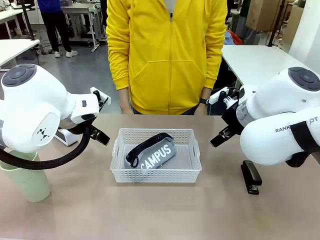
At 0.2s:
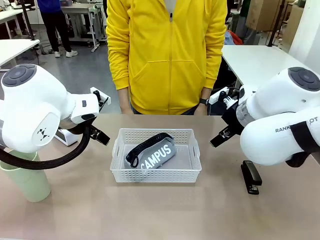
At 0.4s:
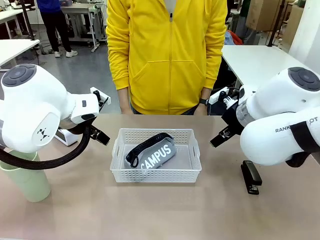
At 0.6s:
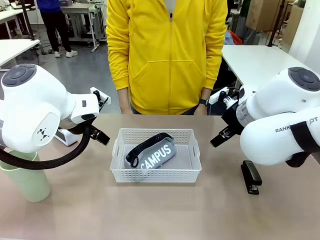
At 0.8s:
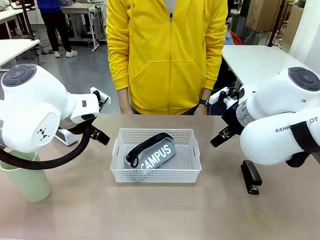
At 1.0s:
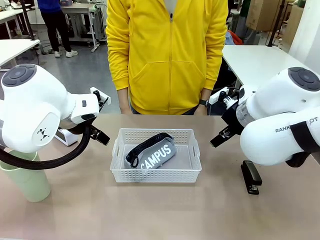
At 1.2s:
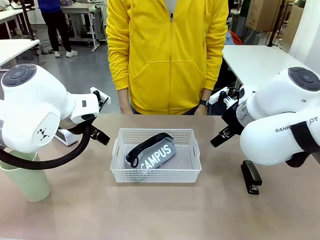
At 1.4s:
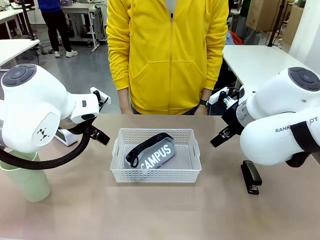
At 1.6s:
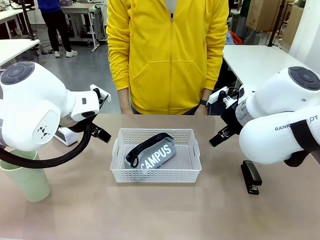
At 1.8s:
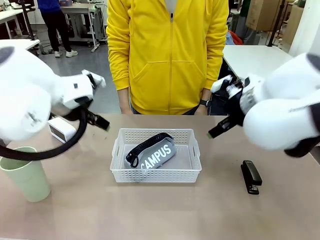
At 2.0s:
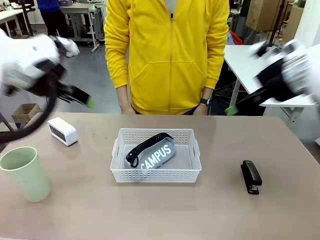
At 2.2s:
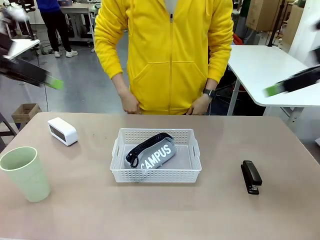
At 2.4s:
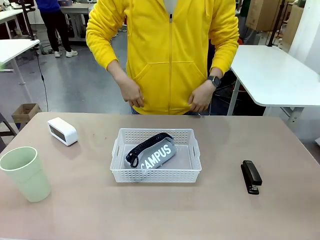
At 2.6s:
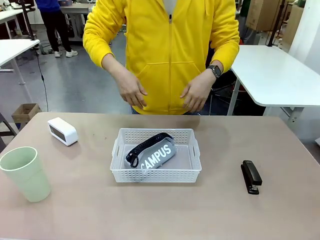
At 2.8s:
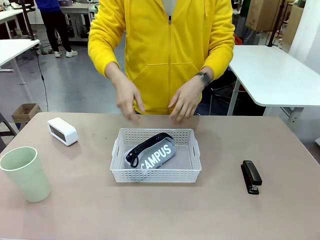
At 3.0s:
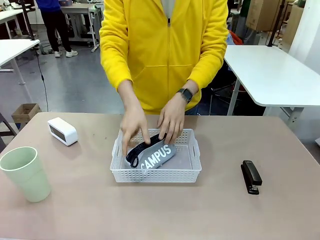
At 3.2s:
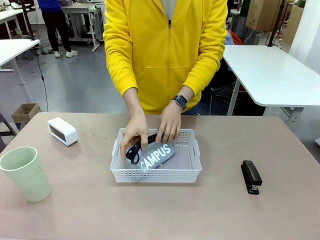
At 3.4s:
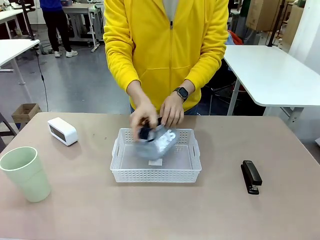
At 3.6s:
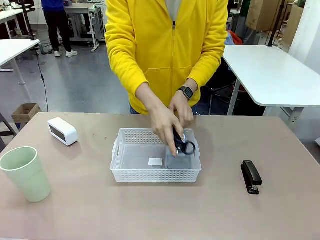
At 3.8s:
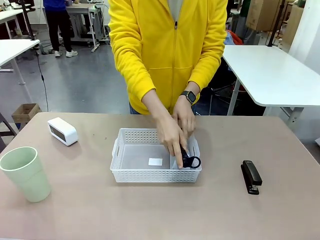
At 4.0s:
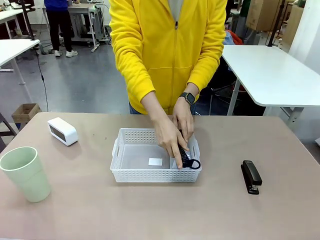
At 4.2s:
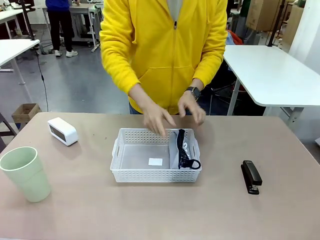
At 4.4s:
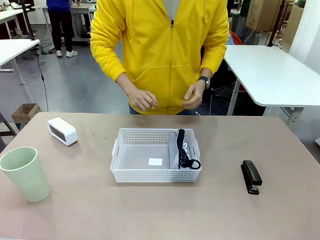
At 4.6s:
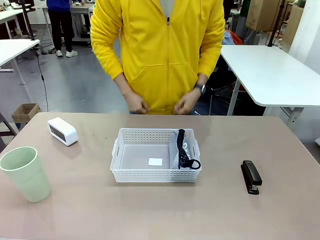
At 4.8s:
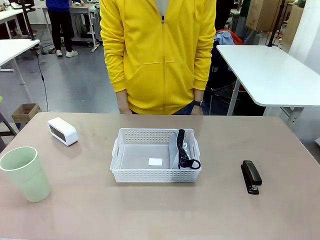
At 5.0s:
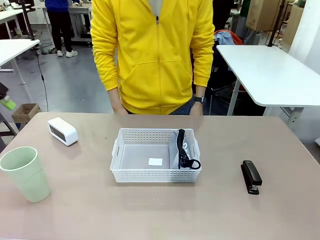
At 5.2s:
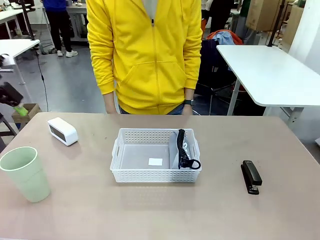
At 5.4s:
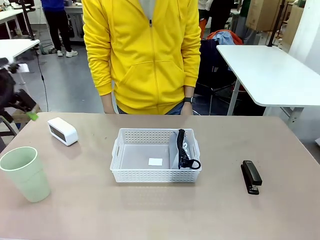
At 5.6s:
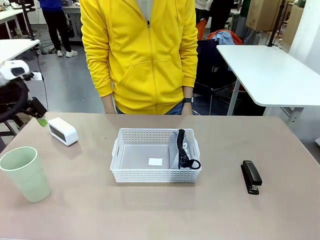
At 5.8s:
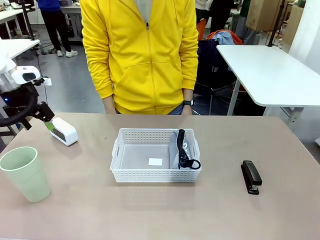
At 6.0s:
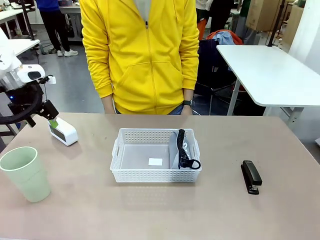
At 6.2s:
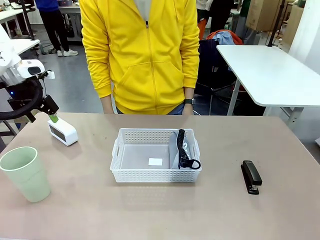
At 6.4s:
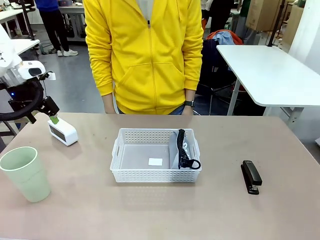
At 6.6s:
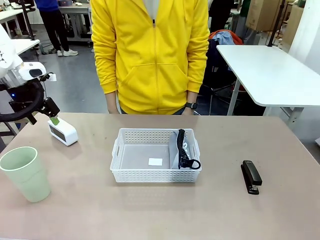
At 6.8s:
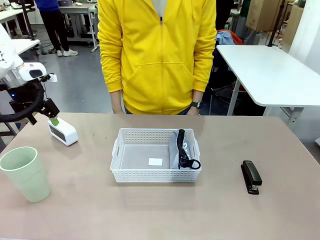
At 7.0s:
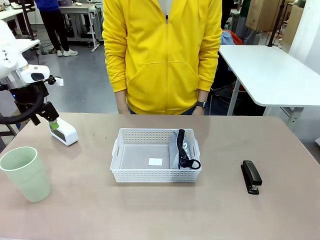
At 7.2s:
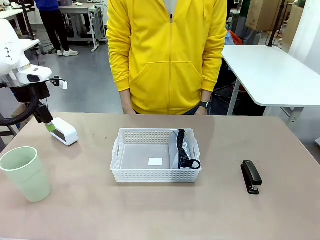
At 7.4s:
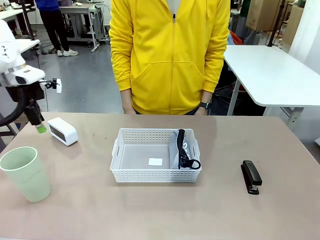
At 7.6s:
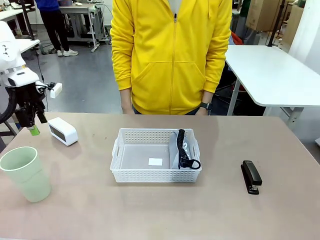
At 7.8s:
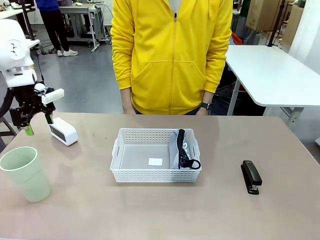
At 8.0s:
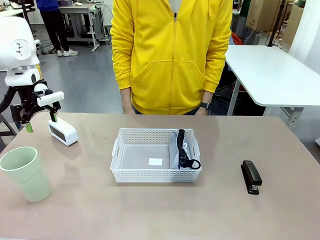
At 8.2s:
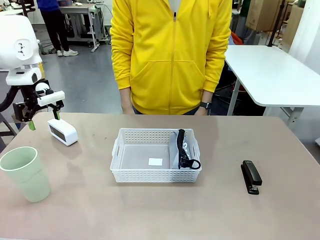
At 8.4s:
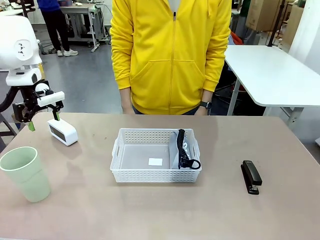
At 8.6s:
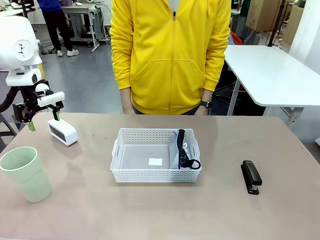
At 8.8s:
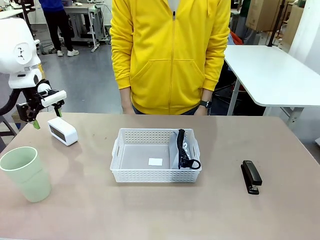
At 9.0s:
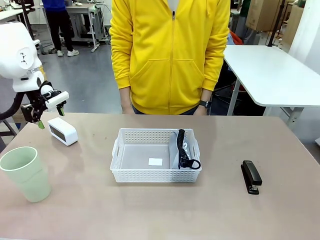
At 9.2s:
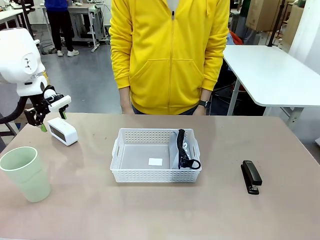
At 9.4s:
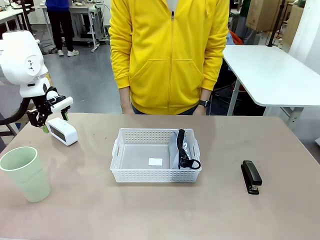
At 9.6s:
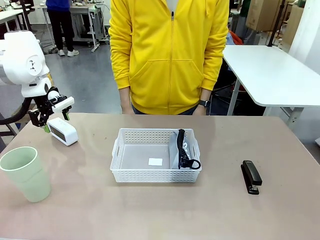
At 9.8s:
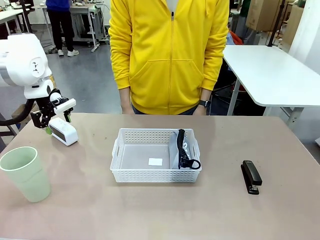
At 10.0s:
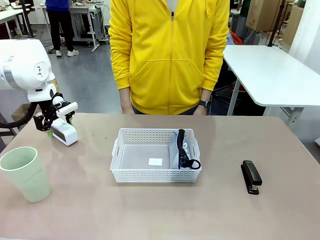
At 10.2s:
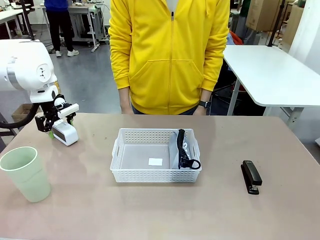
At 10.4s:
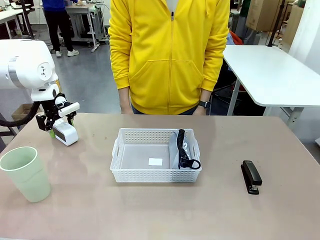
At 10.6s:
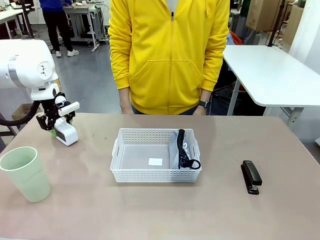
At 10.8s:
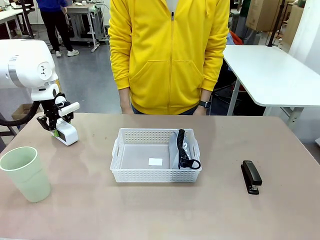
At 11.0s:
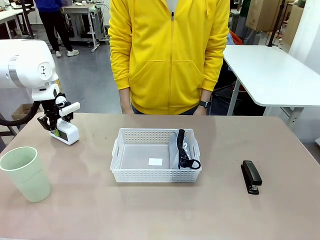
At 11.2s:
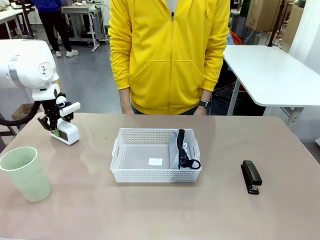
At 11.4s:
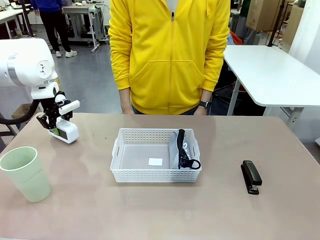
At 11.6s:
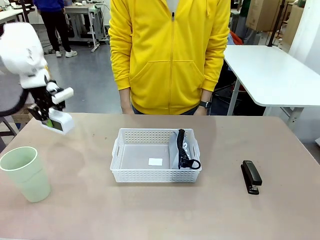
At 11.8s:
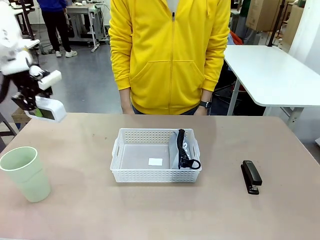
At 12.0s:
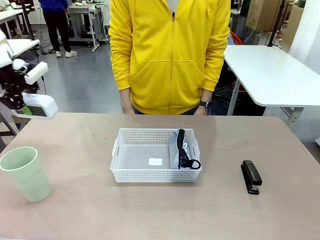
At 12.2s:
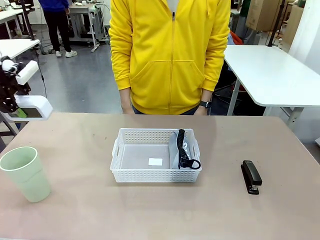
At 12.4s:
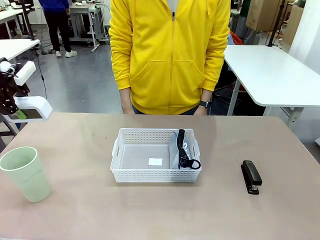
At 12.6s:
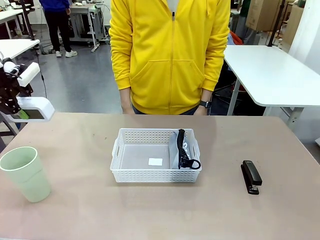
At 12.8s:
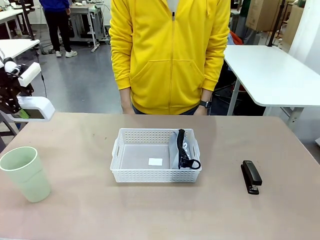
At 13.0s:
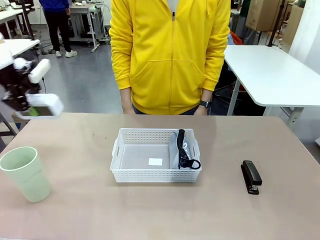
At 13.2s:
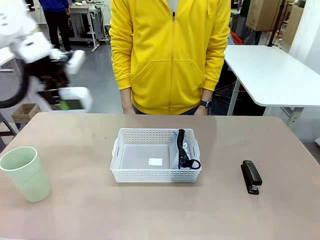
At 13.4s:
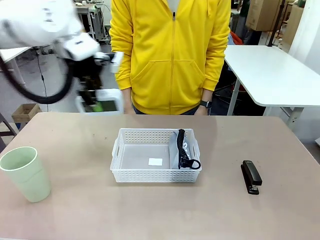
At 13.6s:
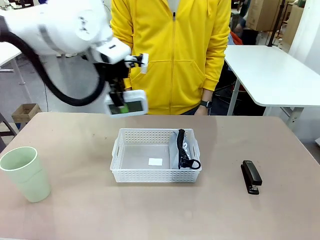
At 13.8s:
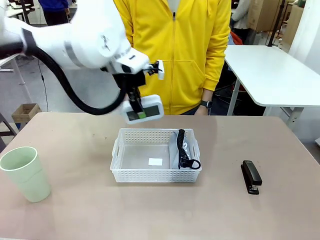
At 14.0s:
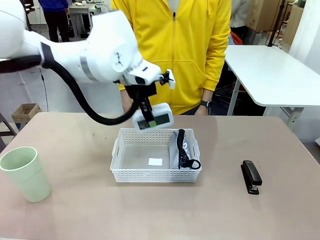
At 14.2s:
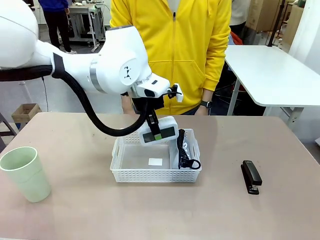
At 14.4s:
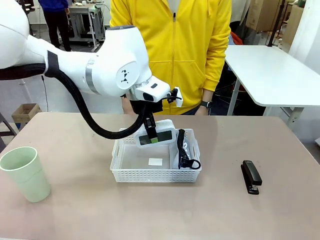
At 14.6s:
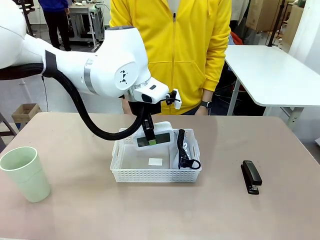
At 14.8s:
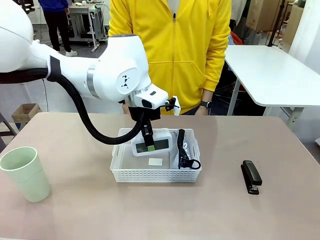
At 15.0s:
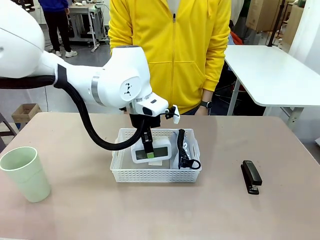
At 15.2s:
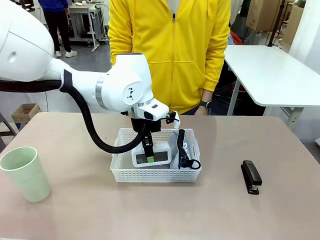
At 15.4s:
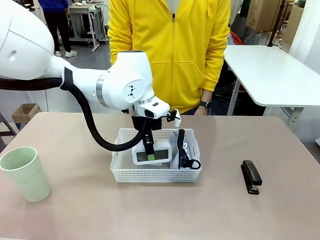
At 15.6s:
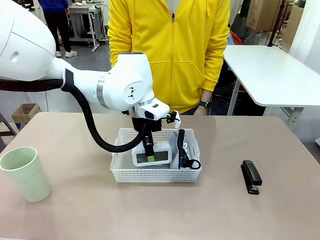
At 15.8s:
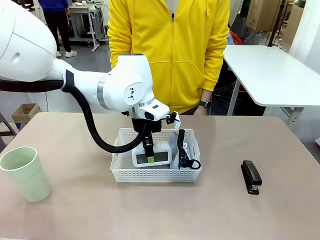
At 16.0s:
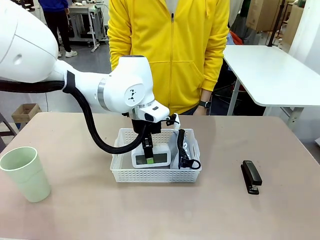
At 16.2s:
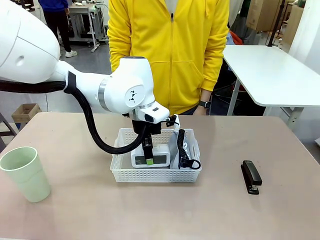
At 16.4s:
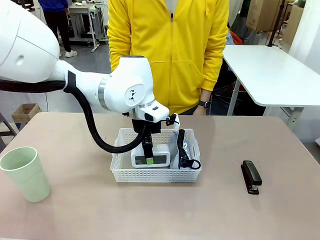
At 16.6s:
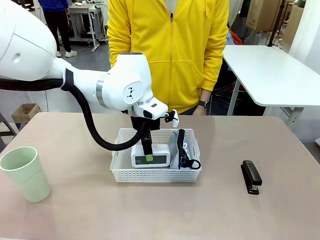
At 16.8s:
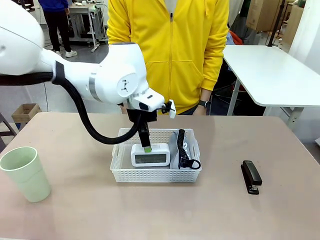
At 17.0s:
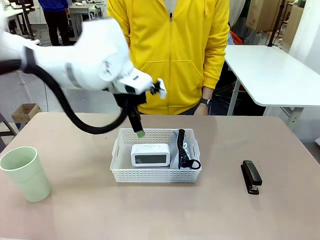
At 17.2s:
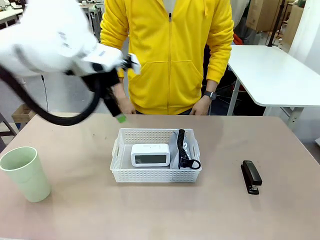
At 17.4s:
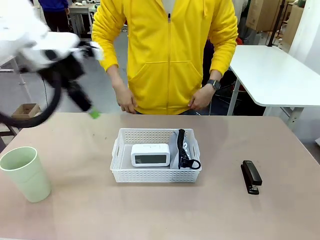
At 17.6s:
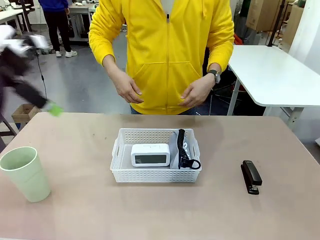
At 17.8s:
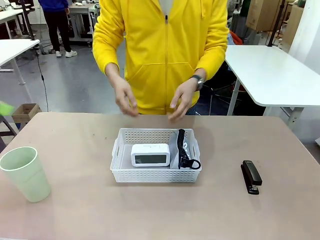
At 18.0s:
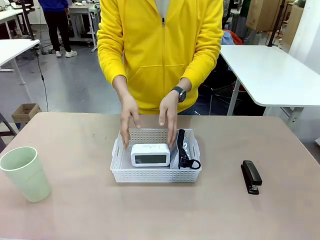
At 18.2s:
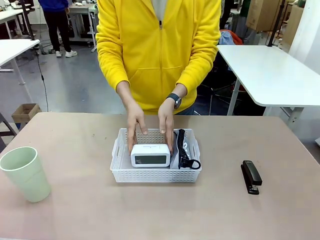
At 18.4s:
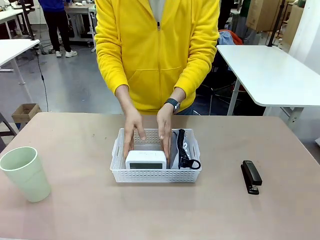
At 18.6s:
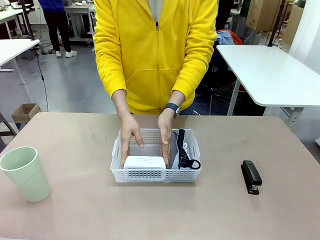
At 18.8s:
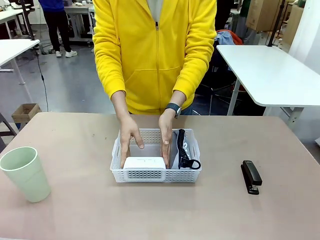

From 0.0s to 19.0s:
Task: Efficiently arrange items inside the basket to fit them all.
Robot: Pick up the Digital clock and place it inside the Organizing basket.
Person: Repositions the pencil case. Repositions the digital clock.
